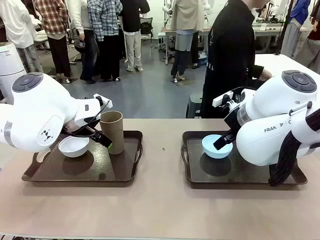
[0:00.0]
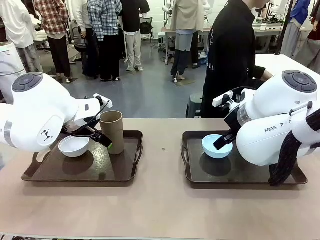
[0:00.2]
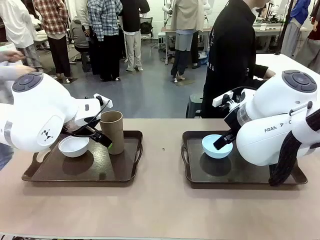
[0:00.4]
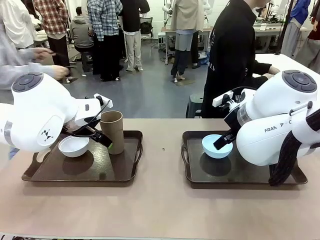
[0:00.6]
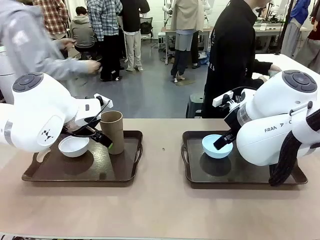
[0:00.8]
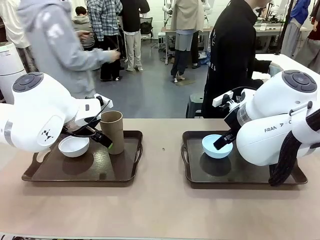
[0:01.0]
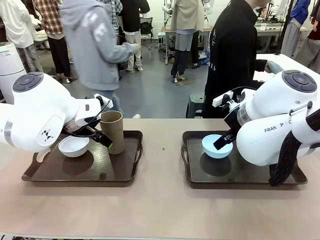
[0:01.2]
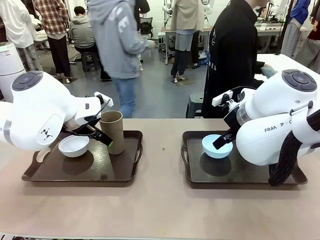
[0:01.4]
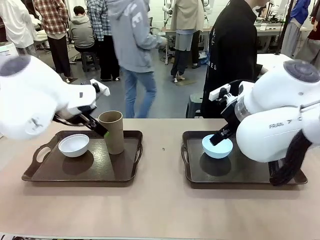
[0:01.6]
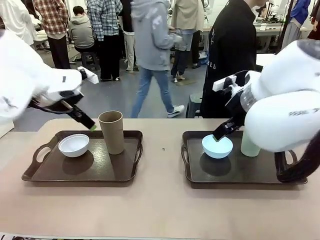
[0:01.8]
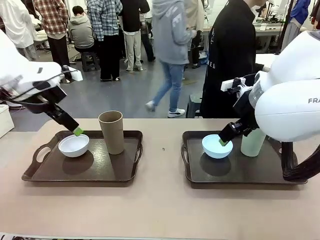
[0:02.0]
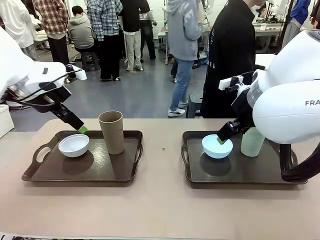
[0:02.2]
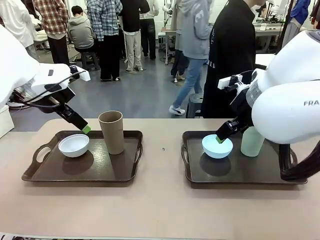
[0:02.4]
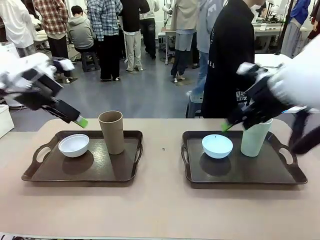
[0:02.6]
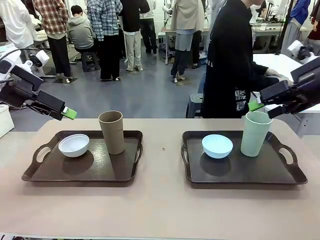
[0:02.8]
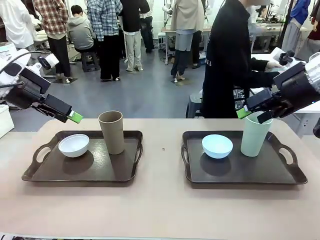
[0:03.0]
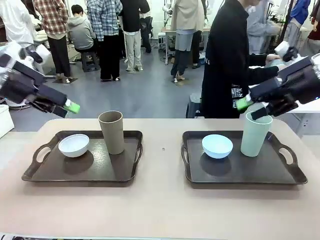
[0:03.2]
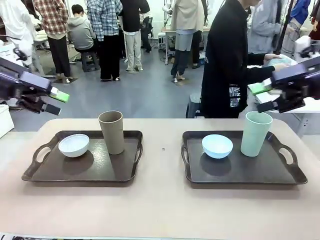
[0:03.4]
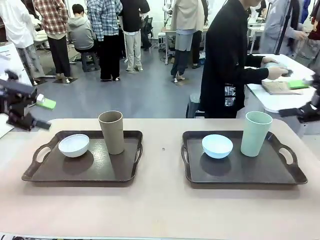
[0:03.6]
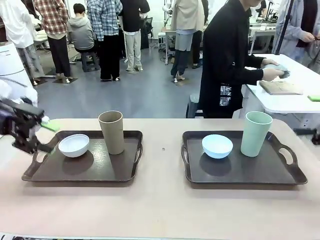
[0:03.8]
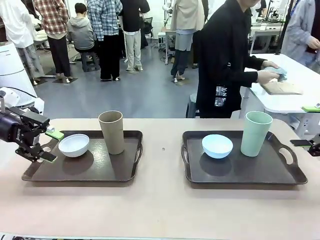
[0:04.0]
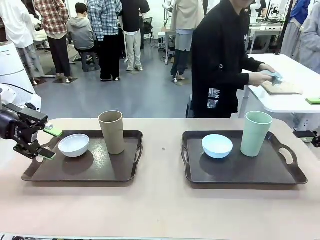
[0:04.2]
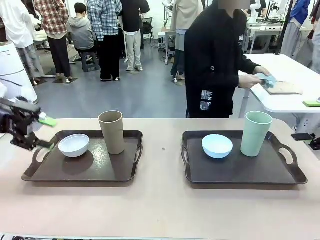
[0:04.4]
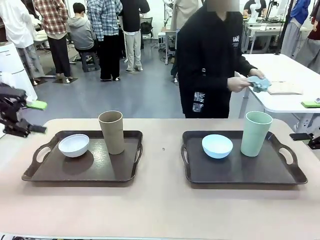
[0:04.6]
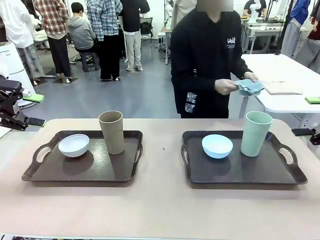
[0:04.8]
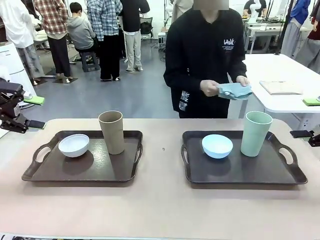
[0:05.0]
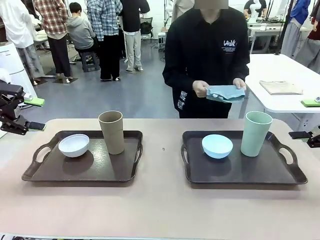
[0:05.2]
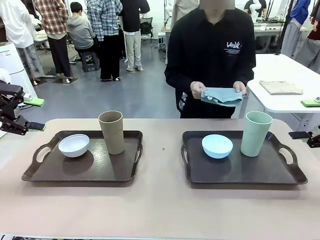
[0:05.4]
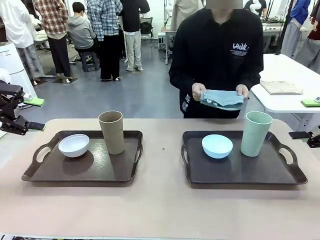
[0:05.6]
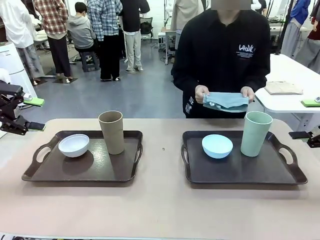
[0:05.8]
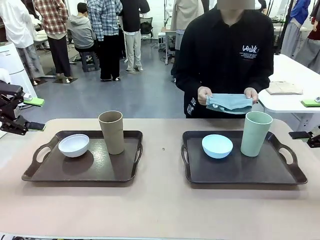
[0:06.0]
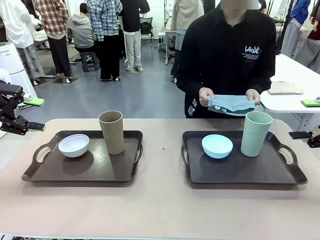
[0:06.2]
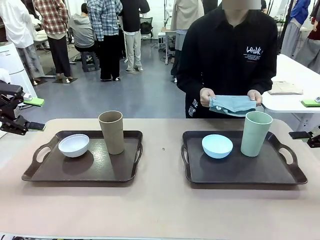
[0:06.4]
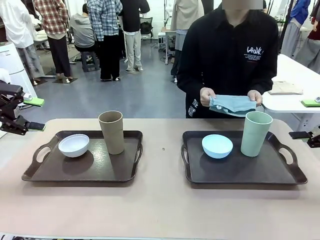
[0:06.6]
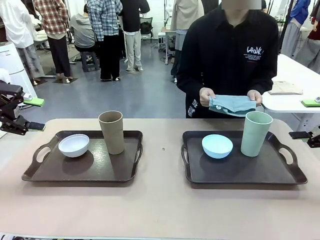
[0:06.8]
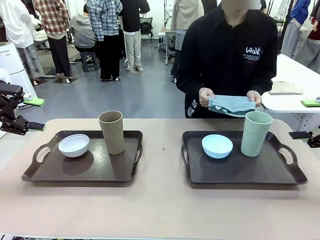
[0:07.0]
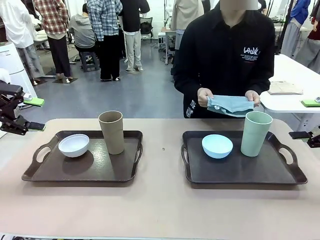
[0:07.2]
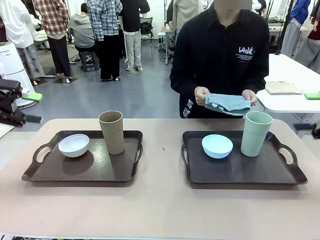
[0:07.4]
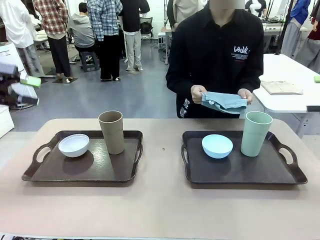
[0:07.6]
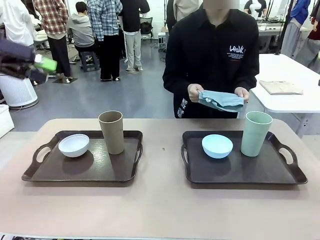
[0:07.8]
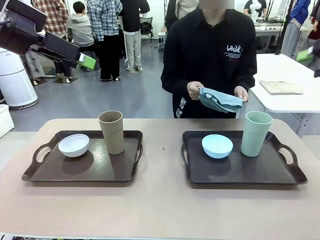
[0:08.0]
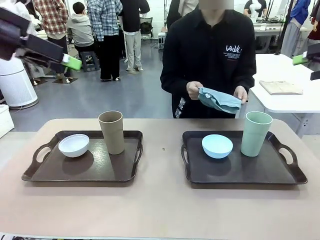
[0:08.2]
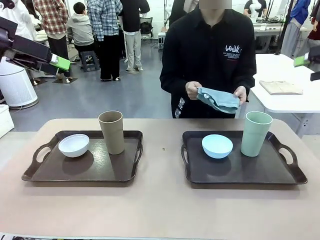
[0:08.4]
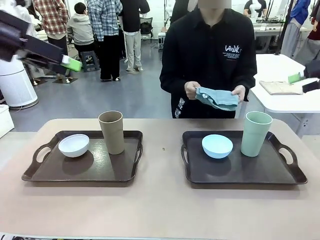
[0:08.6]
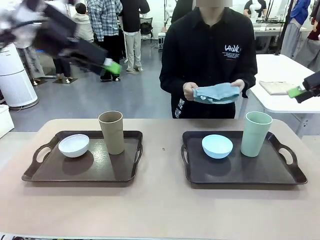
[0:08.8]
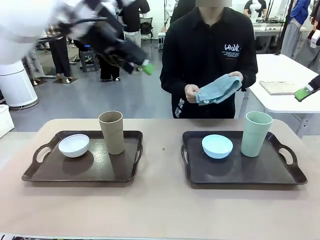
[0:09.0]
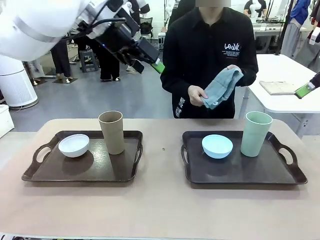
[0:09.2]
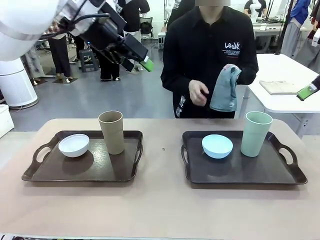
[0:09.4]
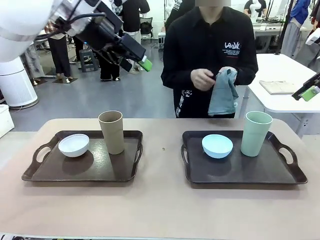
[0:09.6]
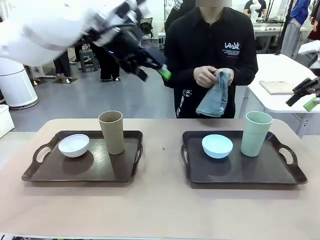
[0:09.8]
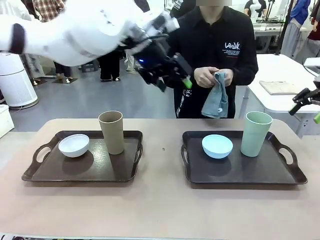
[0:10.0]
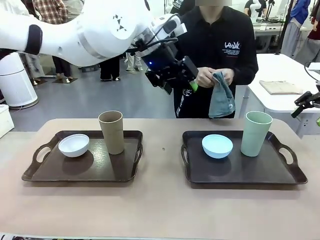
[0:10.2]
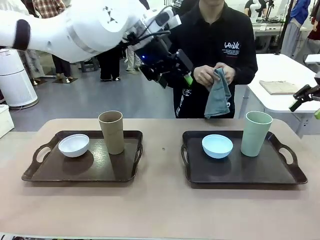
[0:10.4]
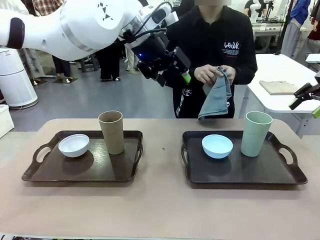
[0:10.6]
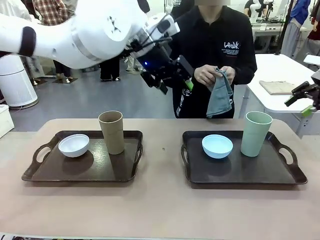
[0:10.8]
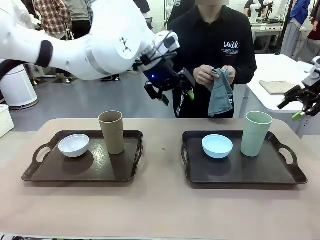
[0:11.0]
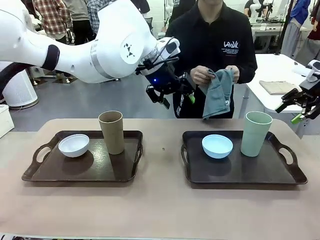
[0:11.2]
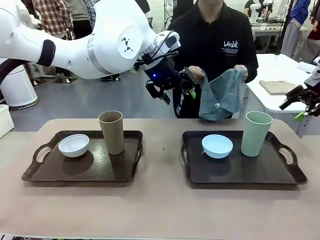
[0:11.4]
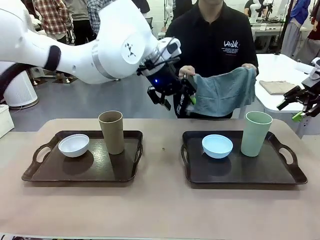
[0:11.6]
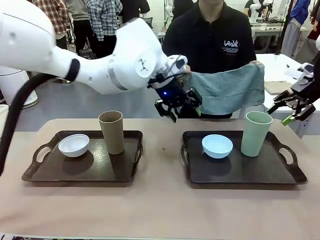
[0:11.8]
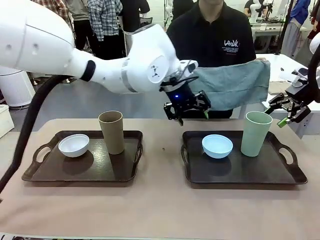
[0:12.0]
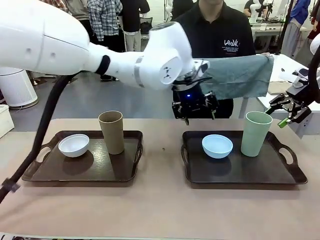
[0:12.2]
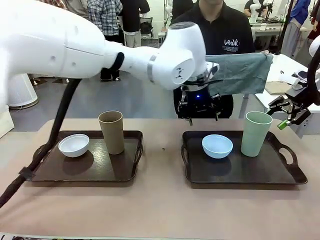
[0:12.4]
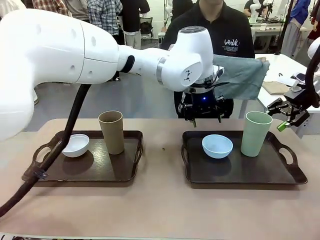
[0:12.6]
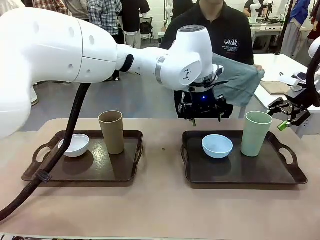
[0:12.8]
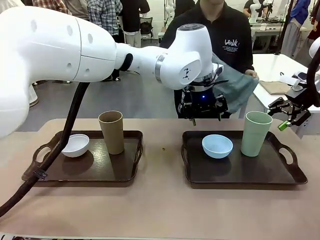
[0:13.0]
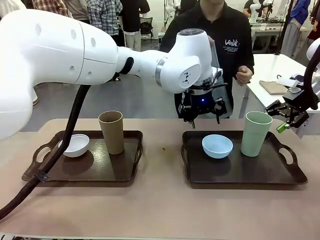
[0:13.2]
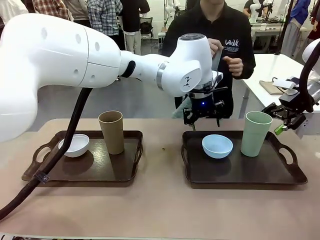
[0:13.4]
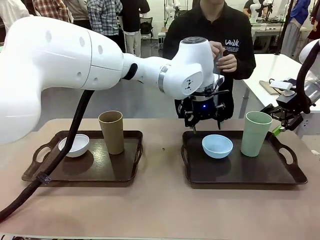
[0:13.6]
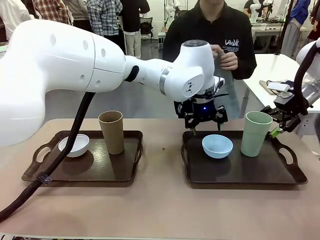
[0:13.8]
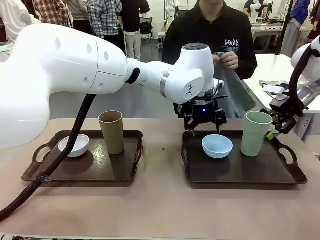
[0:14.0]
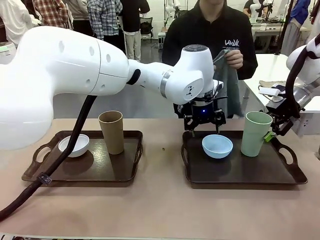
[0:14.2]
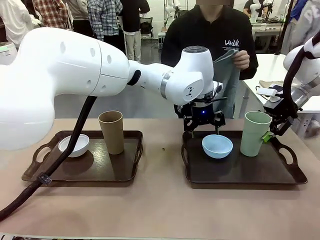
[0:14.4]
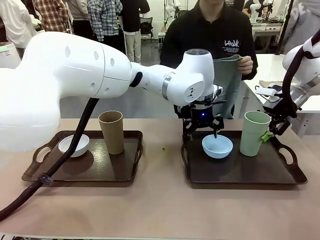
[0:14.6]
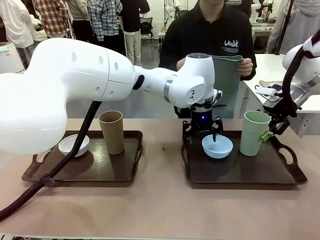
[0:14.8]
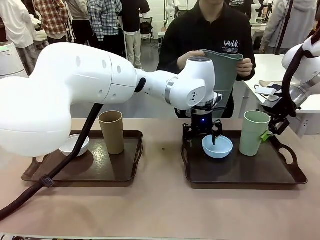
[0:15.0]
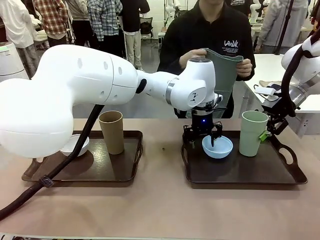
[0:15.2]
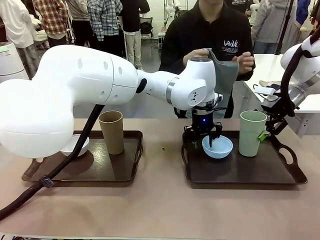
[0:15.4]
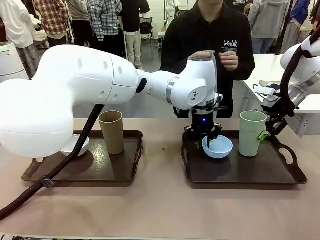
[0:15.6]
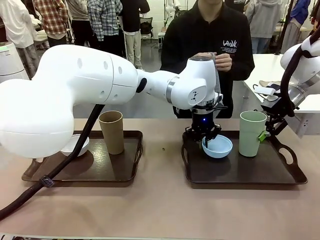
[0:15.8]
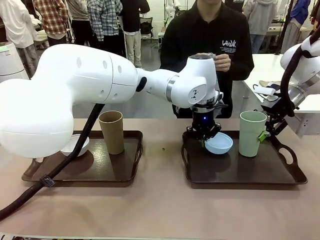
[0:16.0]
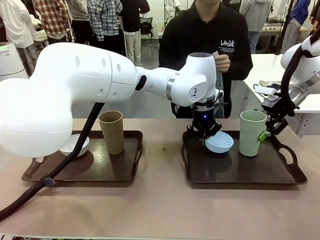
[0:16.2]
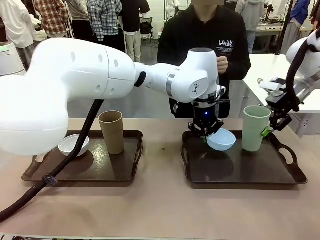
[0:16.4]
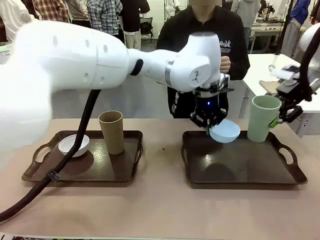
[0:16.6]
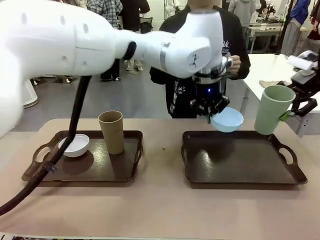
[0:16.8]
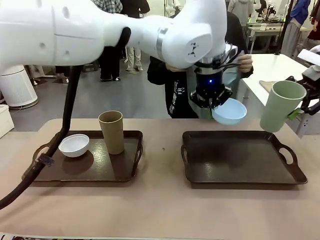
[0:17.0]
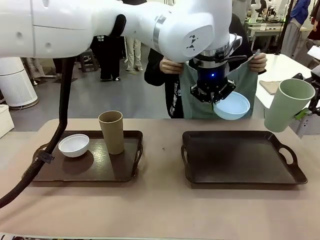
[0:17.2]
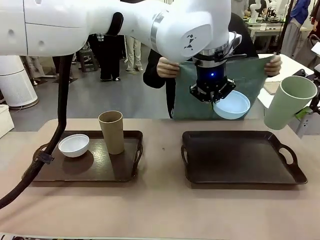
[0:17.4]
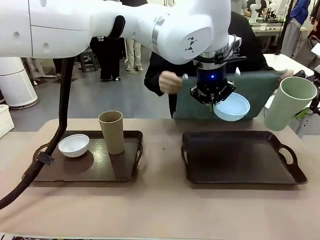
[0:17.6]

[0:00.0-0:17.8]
Robot: Pick up the Picnic Bowl and Reusable plastic cup from the Handle tray in front of the human's position and hold them in the air.
Person: The human picks up the top napkin from the stack on the human table and walks to the robot table to stand in front of one of the two trays. When the robot lifts the bowl and the cup, the human unfolds the napkin and lays the napkin flat on the tray.
